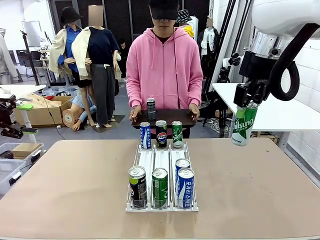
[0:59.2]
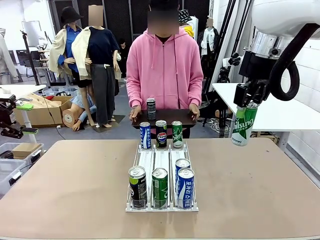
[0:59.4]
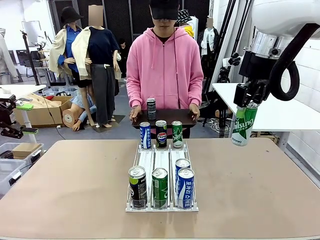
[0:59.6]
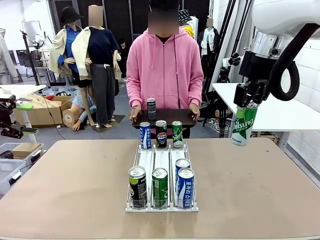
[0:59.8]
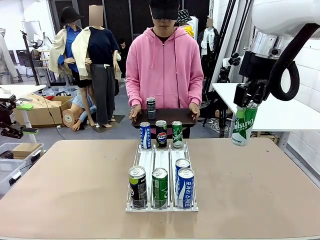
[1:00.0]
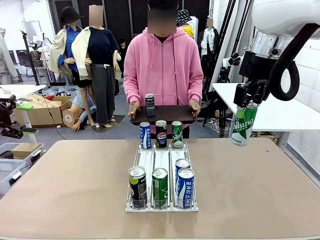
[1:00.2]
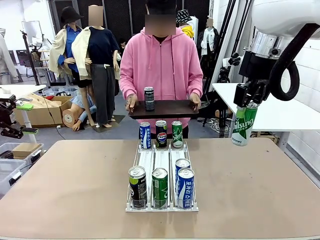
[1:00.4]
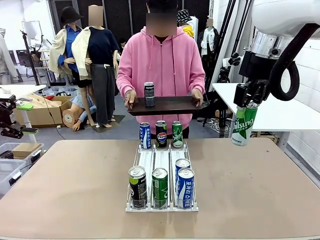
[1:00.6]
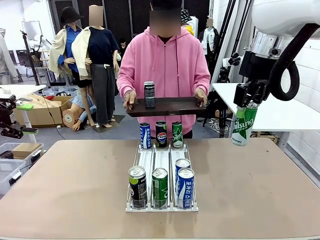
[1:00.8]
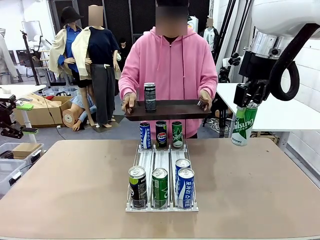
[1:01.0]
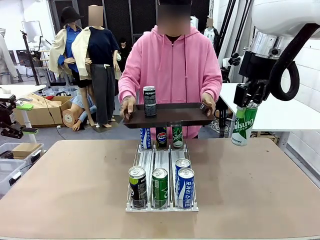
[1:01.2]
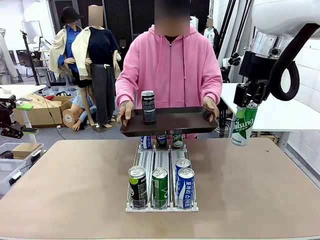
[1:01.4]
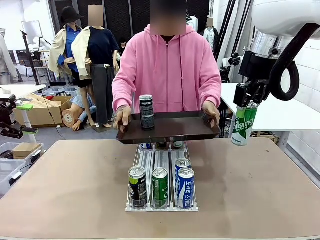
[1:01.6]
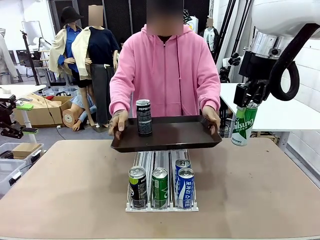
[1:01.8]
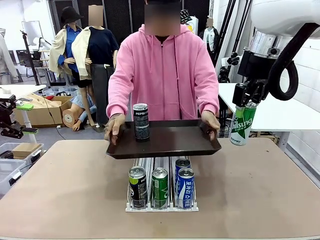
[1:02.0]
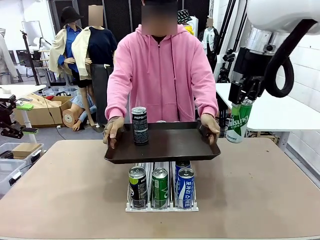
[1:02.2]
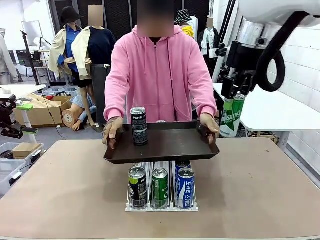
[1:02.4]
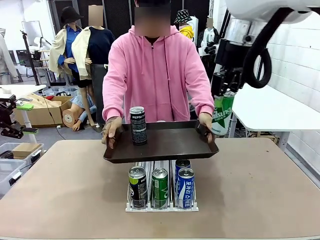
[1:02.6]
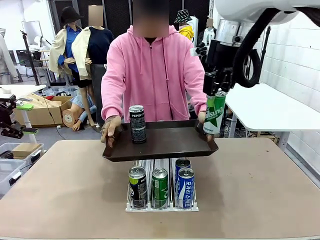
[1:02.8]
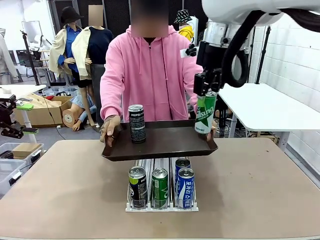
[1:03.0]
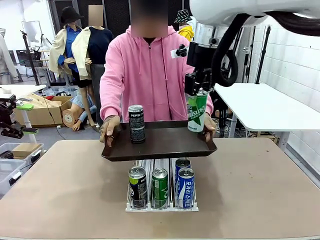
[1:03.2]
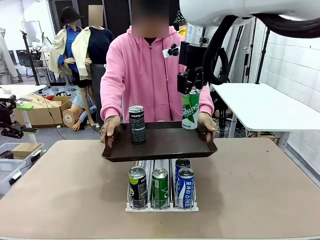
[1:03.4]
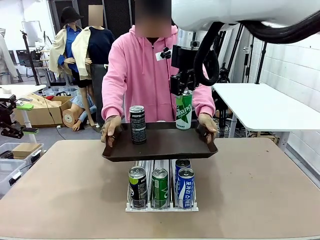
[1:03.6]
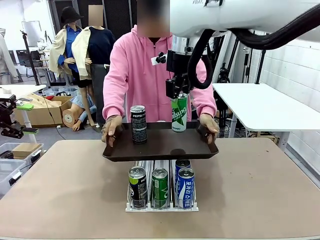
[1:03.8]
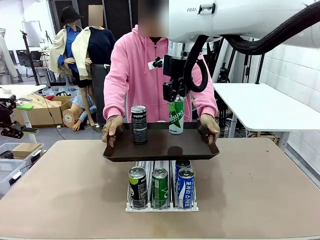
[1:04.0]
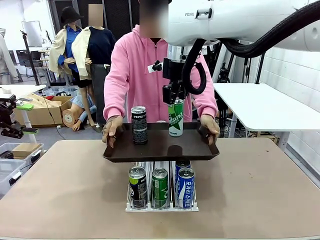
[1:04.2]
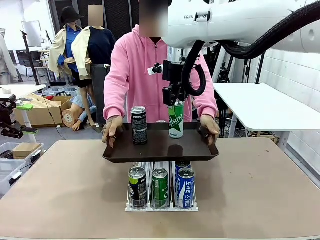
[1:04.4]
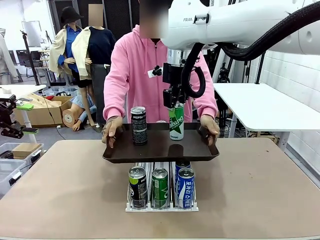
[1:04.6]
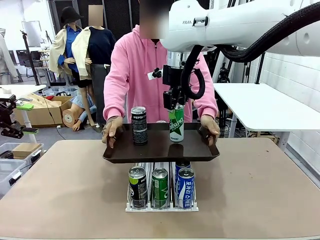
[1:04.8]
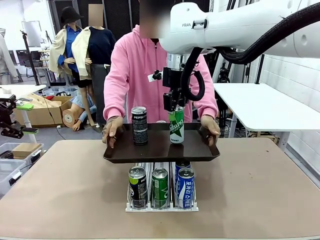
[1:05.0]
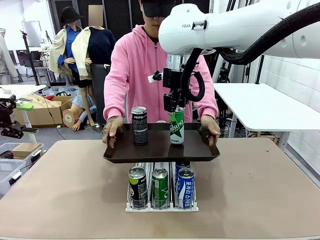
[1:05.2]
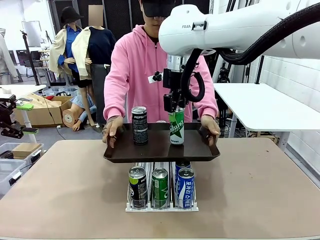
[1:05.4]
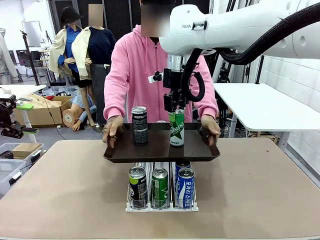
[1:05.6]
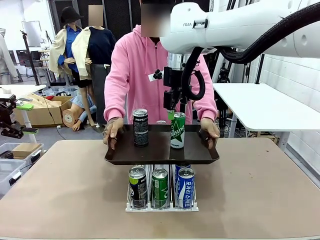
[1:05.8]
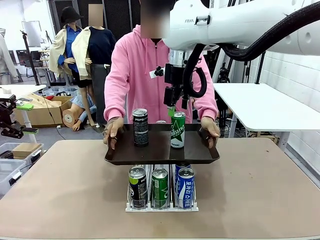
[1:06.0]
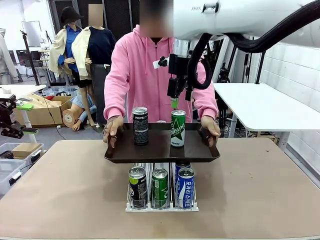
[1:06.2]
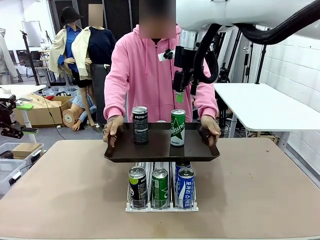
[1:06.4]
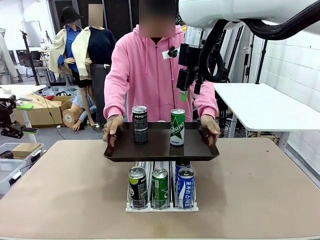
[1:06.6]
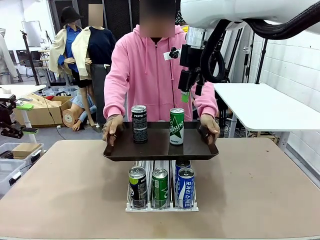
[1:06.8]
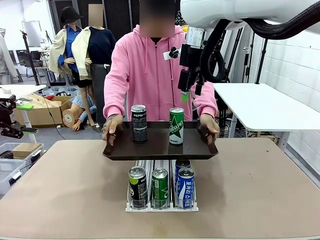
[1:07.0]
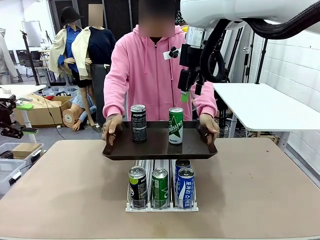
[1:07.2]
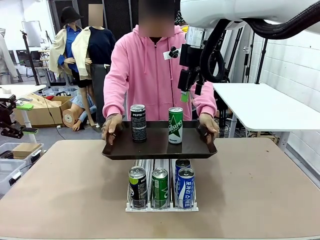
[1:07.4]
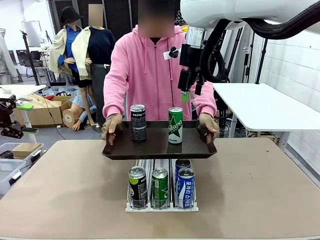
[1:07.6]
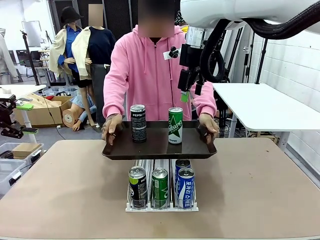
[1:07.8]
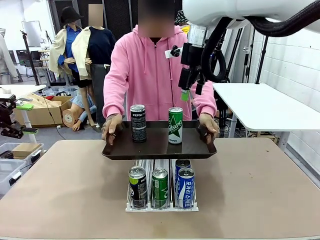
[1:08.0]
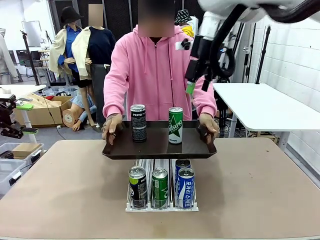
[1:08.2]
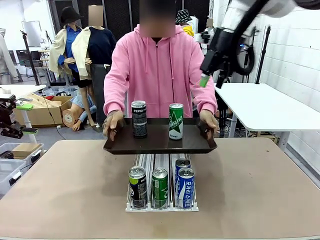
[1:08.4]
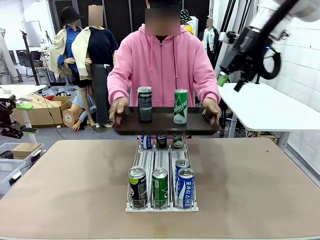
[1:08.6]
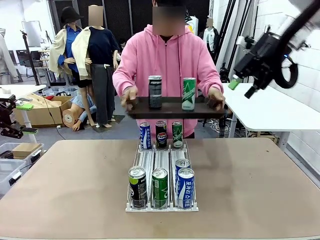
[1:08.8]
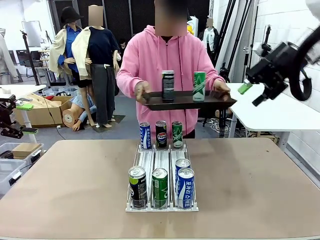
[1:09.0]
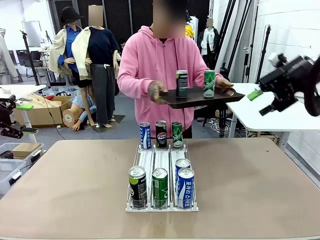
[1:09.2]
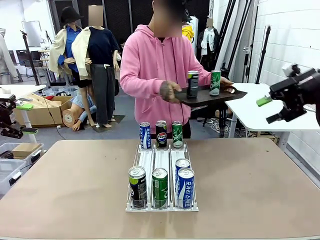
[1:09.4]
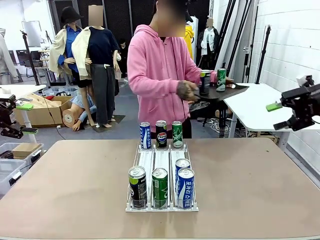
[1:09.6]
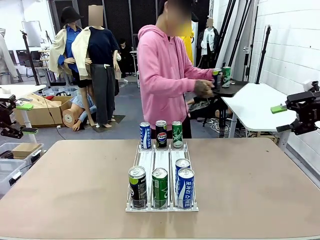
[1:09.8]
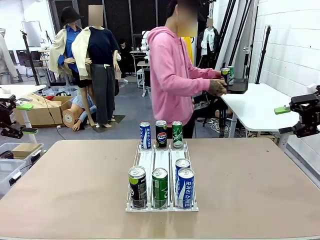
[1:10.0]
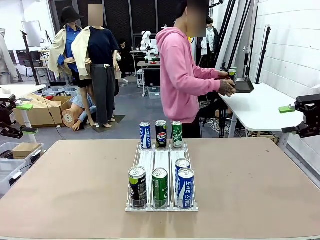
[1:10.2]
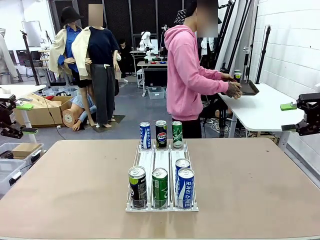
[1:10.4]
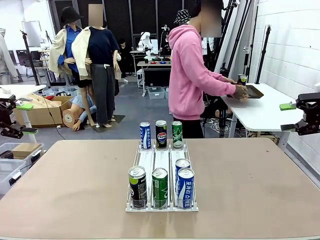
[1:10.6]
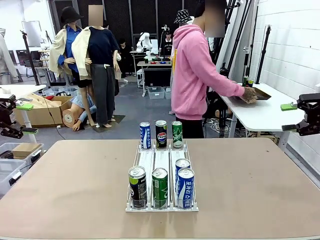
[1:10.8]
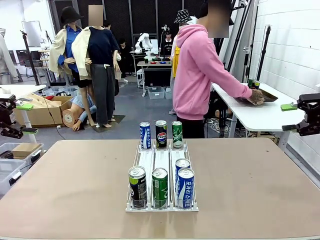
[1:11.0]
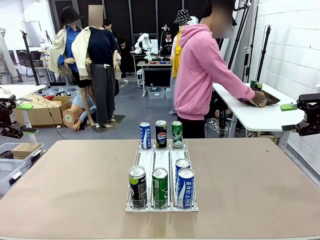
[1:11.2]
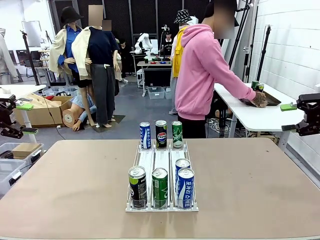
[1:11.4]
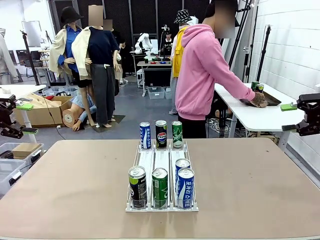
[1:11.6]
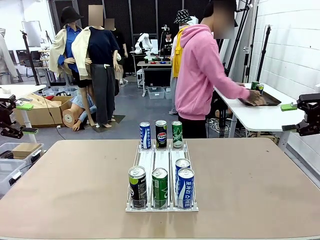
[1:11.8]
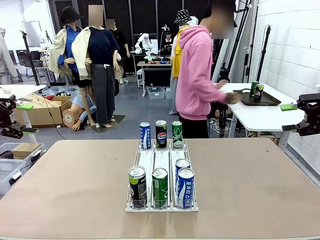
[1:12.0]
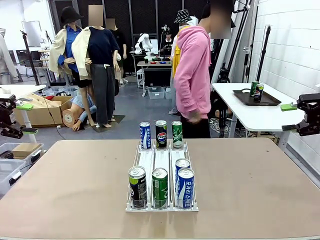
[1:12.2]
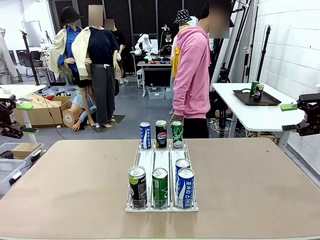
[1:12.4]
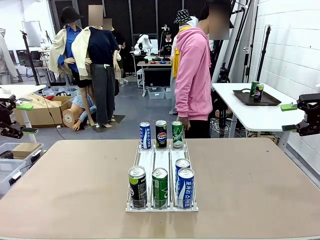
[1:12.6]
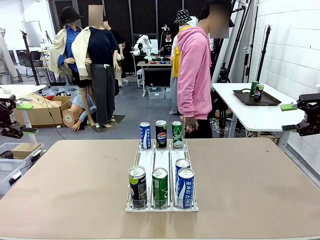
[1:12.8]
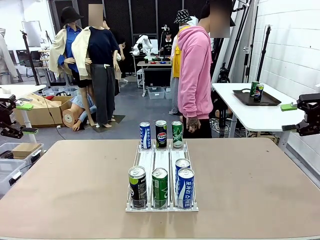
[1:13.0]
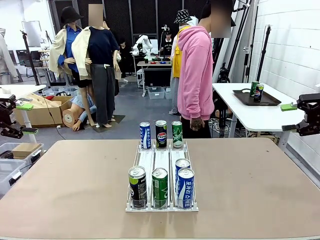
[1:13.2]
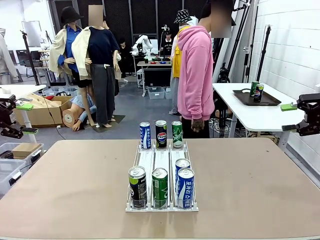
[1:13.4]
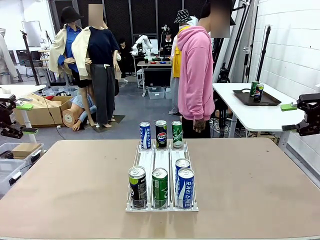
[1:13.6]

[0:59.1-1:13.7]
Task: Retrieve and hand over the desired beverage to the person.
Robot: Place the picked can on the Handle tray extended by the person.
Person: Pull the tray back and place it at the center of the human table.
